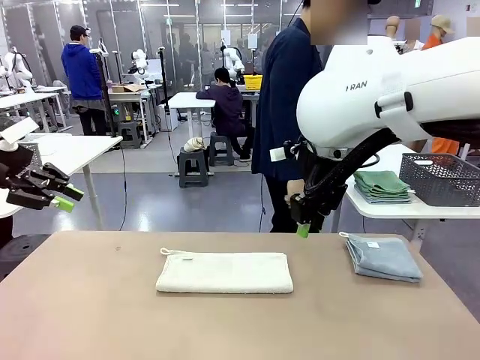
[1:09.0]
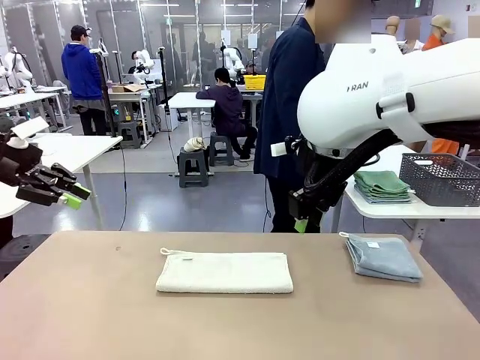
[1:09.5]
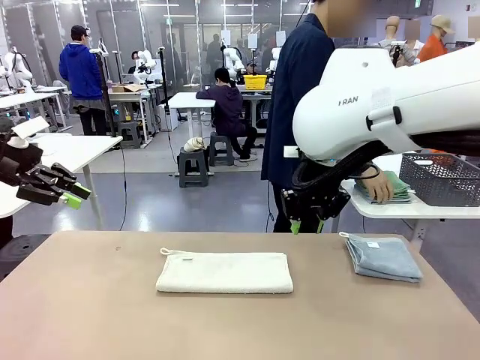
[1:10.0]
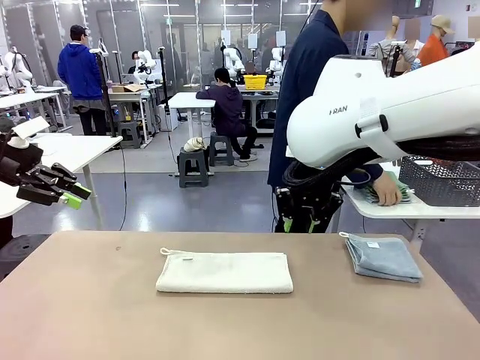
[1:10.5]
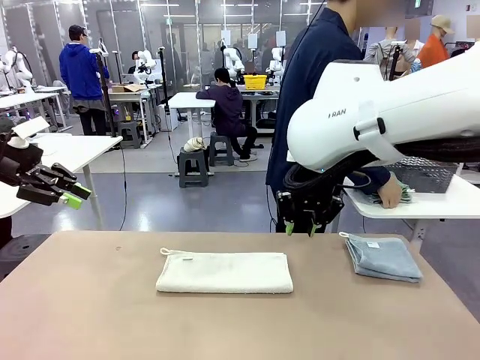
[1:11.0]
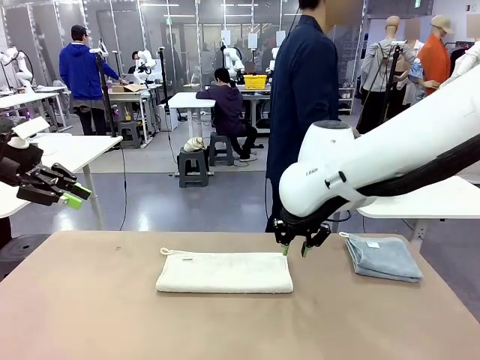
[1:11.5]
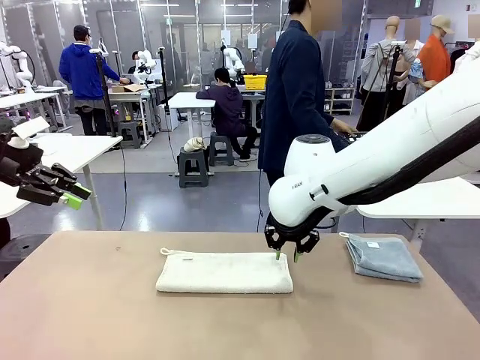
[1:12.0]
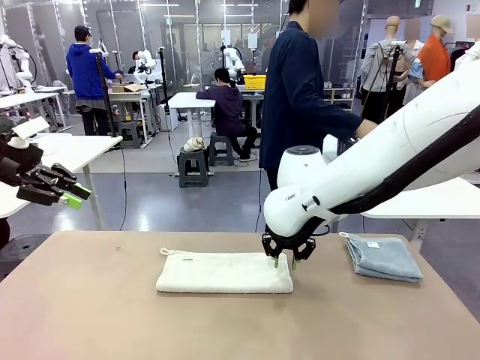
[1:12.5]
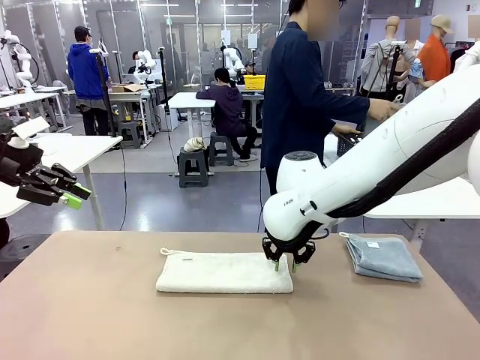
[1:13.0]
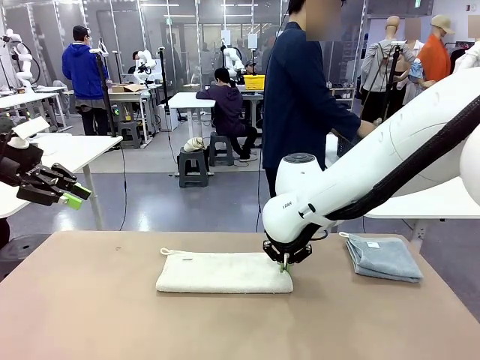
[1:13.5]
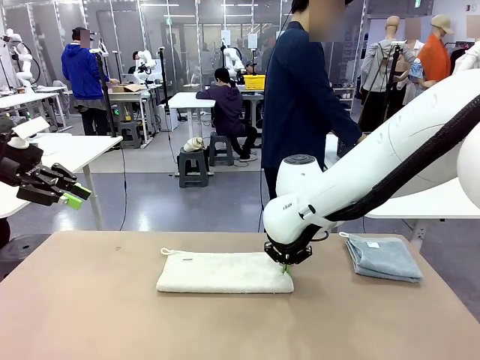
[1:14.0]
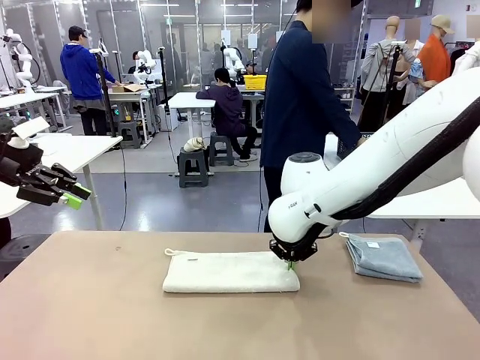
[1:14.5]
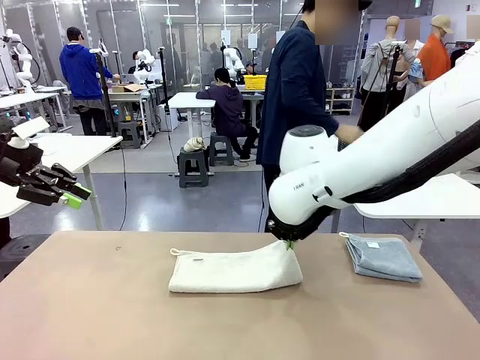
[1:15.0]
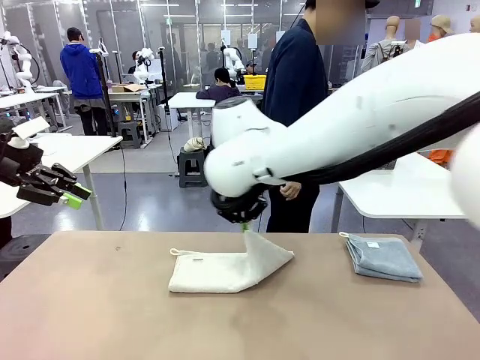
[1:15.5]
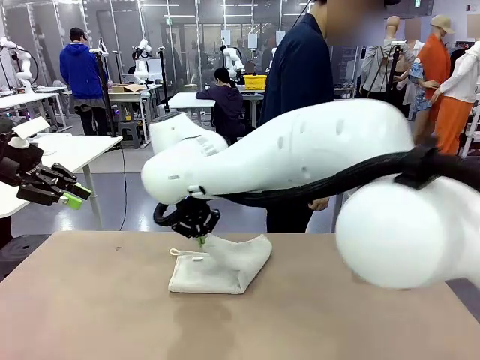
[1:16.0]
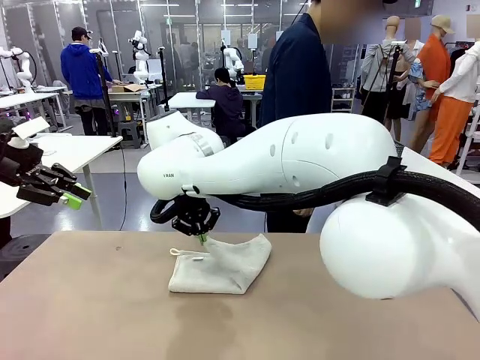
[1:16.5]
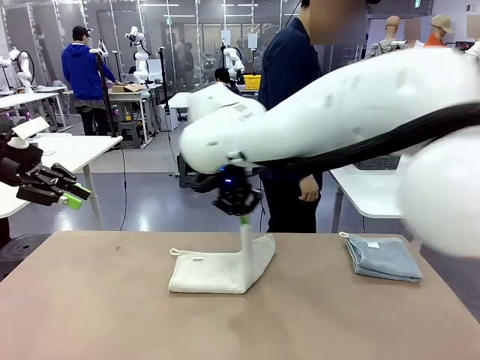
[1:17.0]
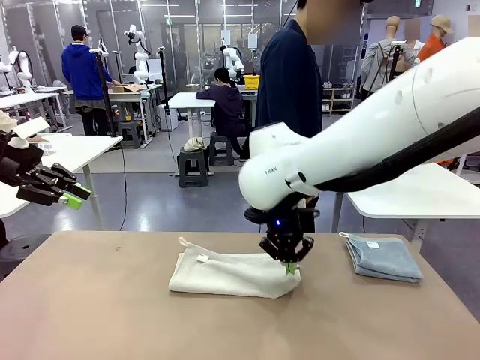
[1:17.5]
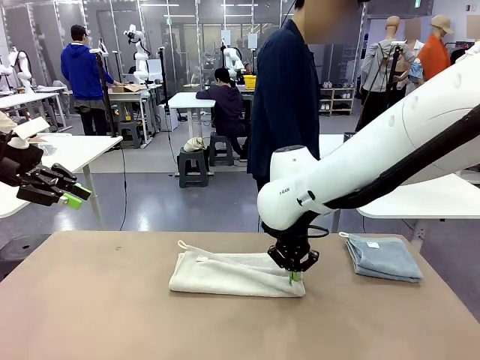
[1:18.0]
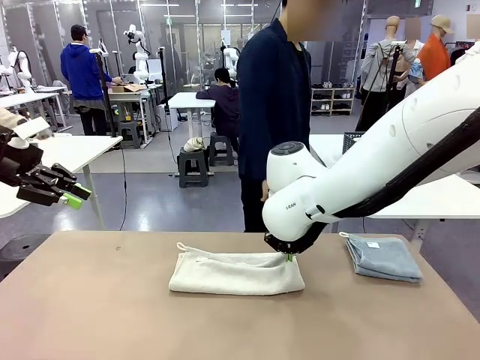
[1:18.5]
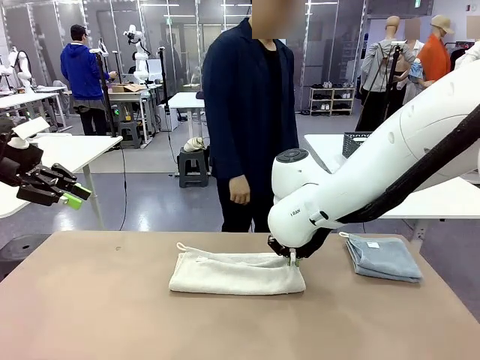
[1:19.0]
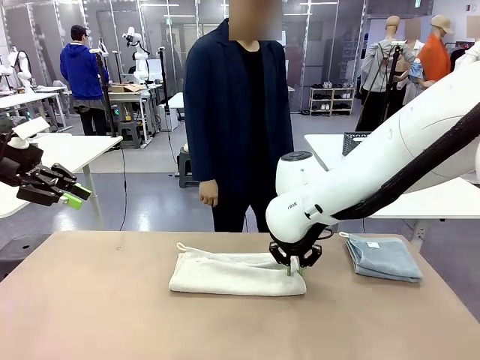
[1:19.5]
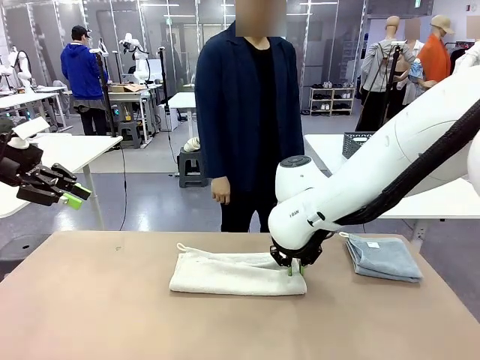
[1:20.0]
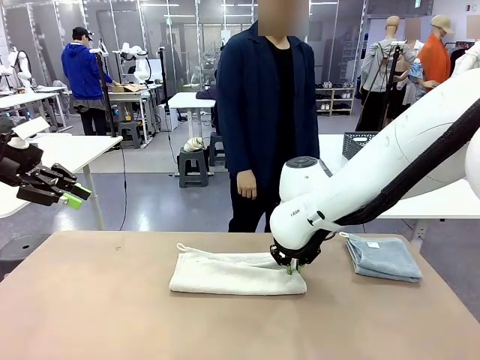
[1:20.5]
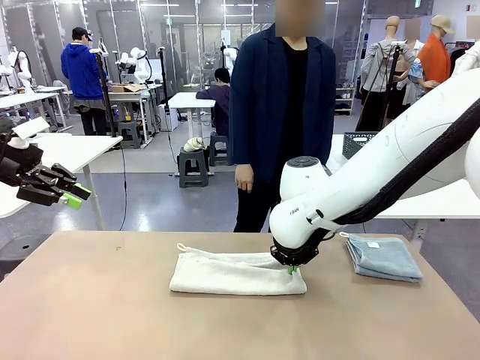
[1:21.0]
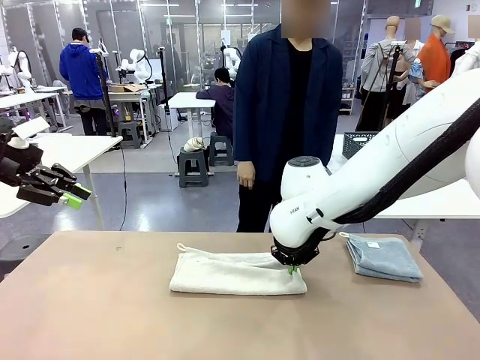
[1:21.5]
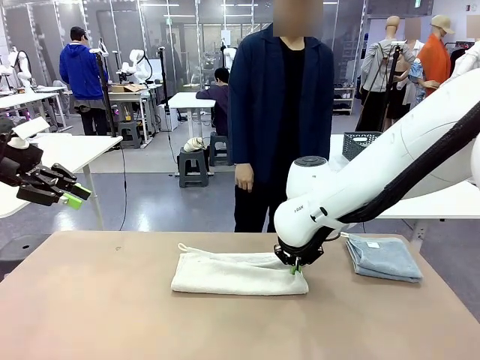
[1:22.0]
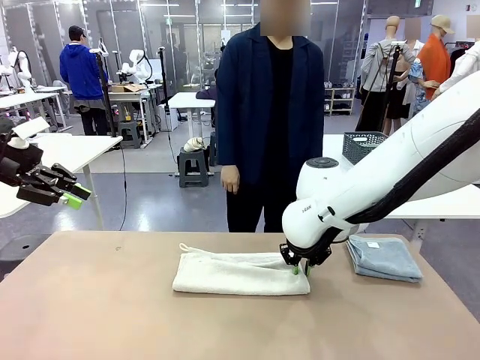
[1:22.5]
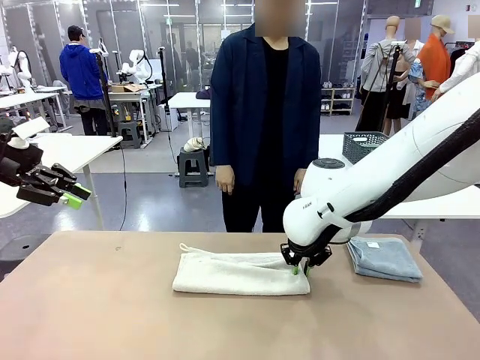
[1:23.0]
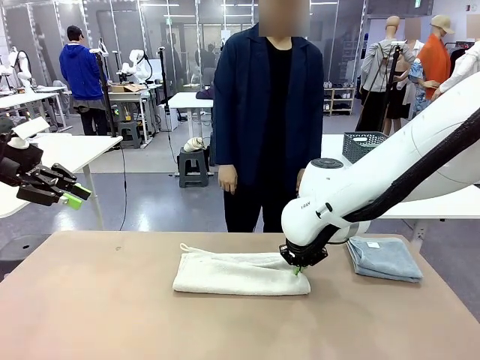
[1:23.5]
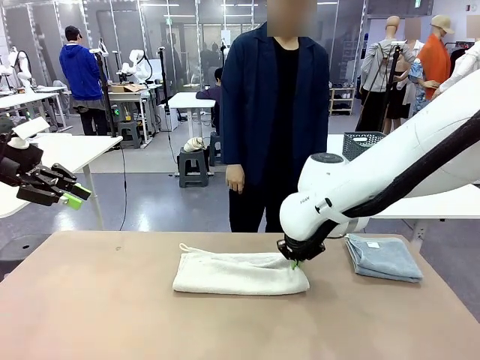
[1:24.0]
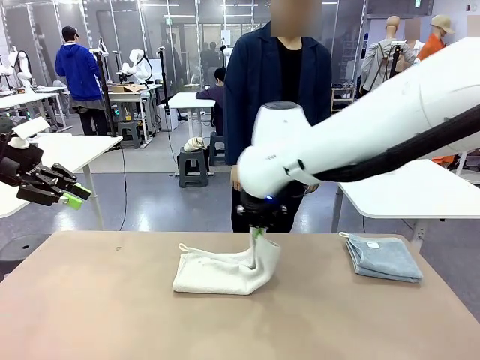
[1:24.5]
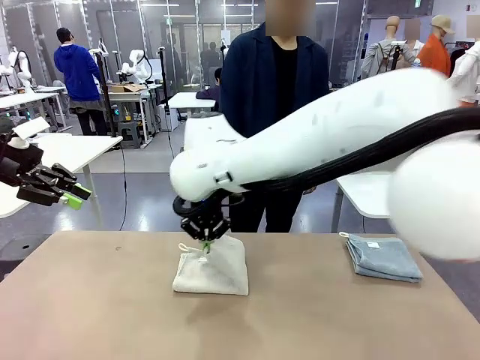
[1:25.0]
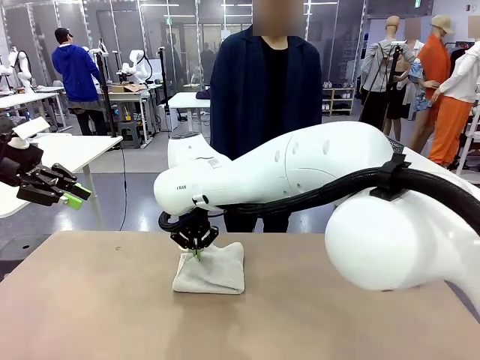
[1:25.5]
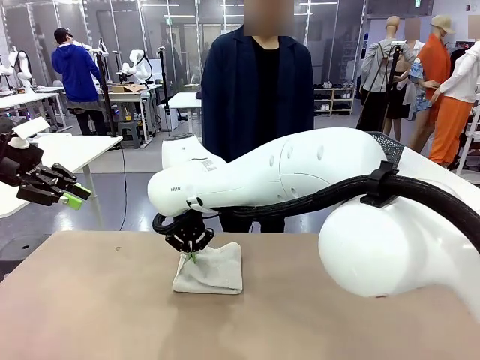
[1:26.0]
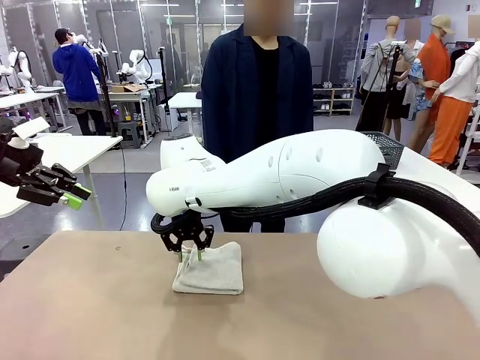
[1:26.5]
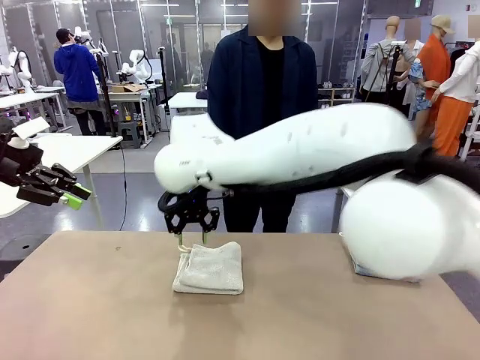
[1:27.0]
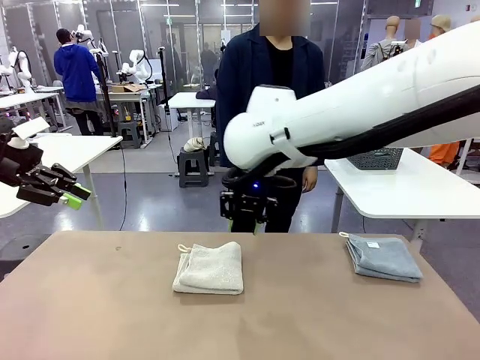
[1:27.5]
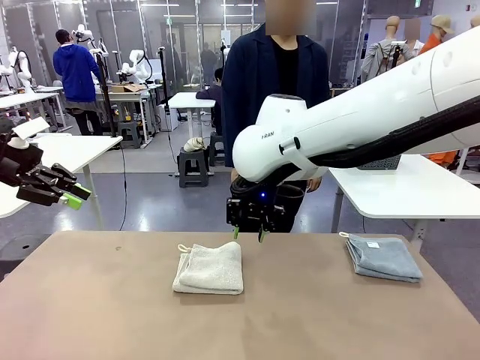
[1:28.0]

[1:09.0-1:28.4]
Task: Fold the towels and place them in the basket.
Robot: When a person lays out a Towel with hook on the table, fold it in half twice.
Person: Pick up the stack of towels from the right side of the human table, place it into the basket, and put the basket at the center of the table.

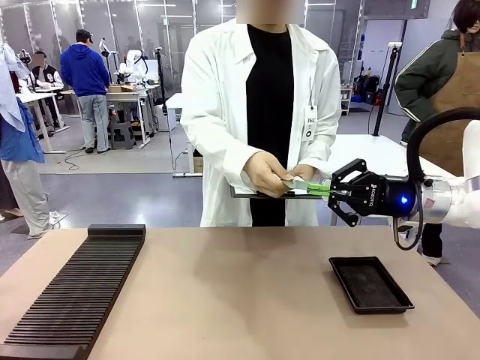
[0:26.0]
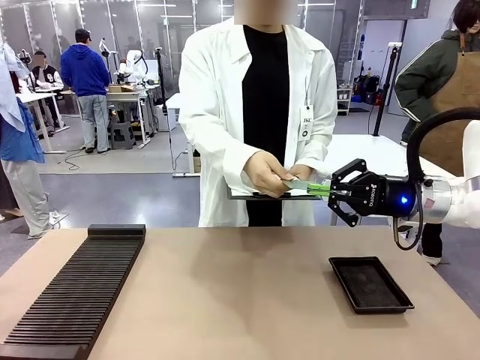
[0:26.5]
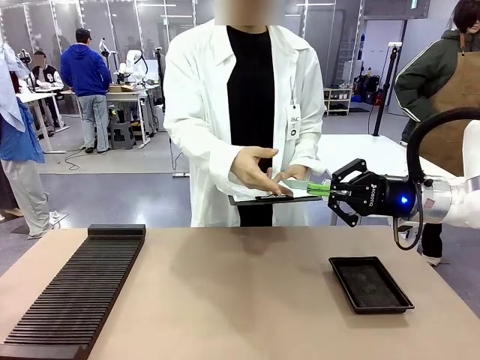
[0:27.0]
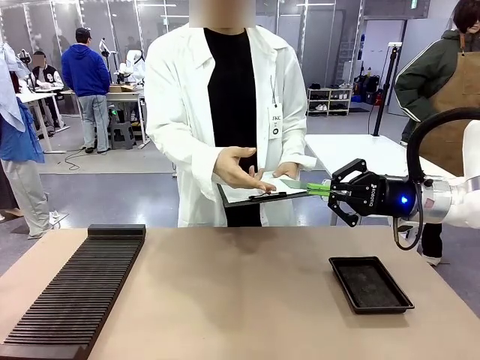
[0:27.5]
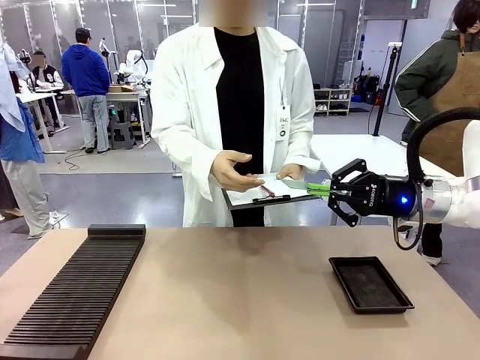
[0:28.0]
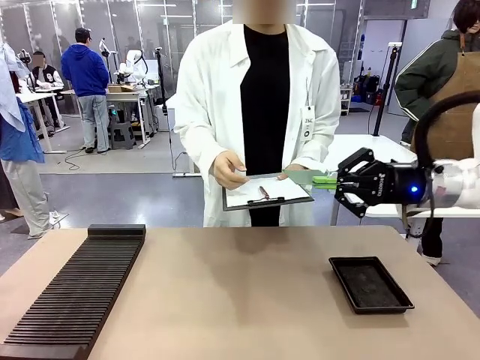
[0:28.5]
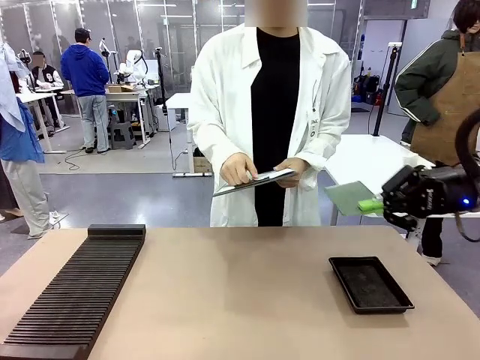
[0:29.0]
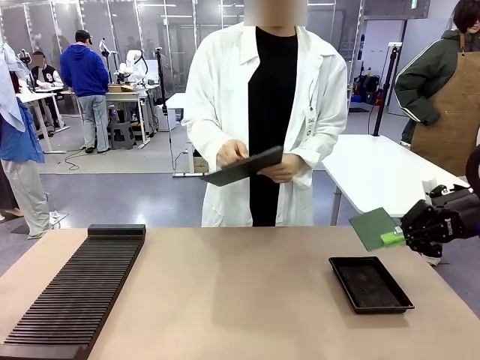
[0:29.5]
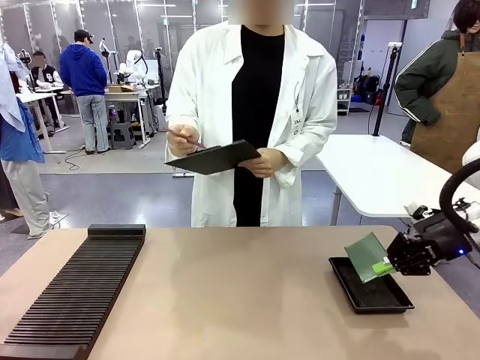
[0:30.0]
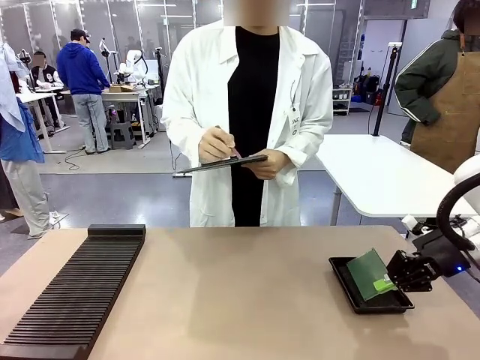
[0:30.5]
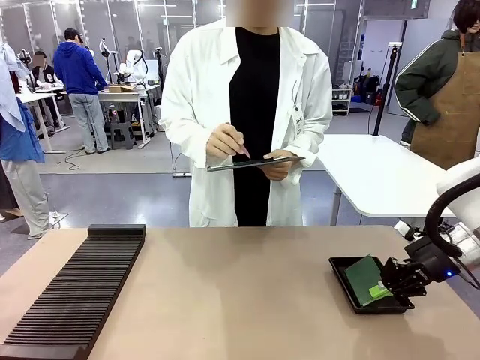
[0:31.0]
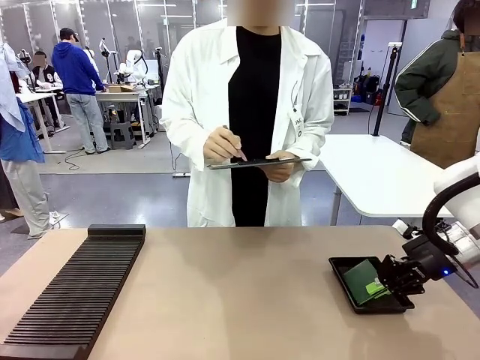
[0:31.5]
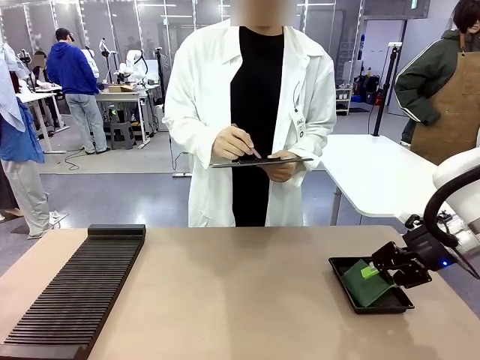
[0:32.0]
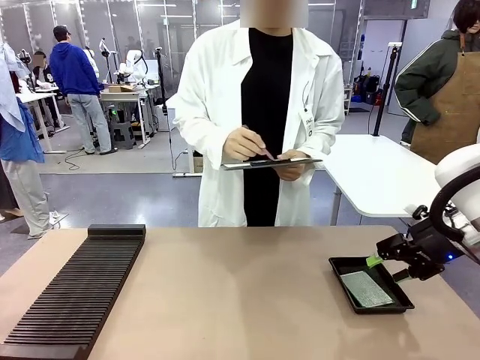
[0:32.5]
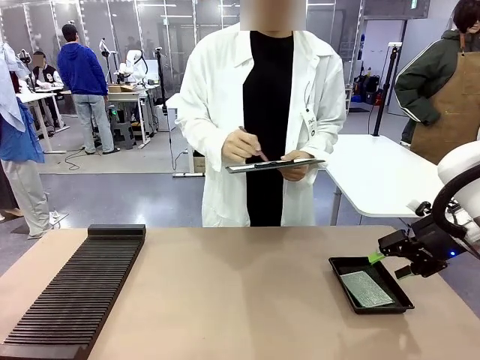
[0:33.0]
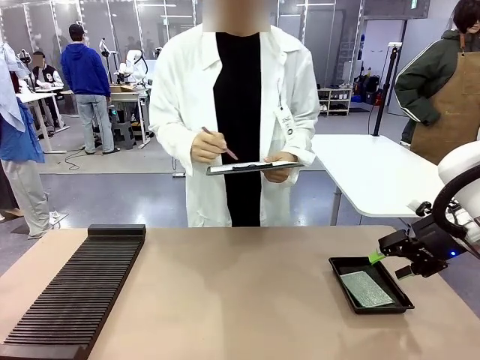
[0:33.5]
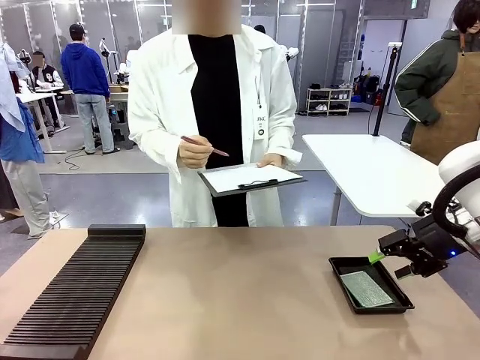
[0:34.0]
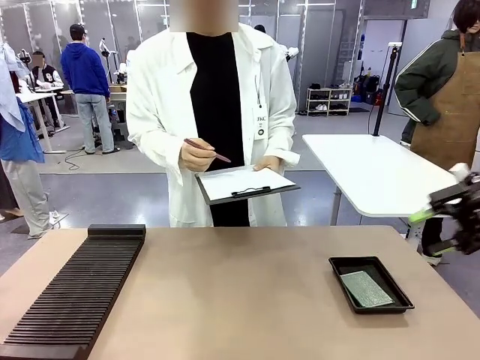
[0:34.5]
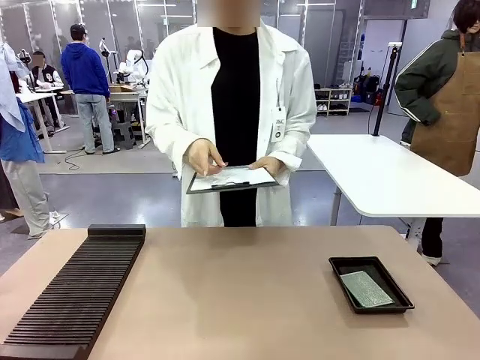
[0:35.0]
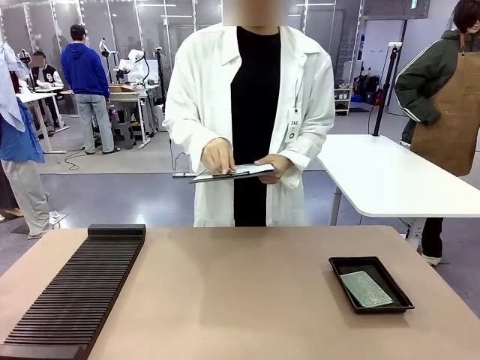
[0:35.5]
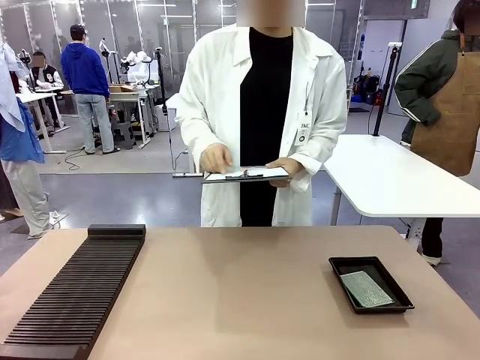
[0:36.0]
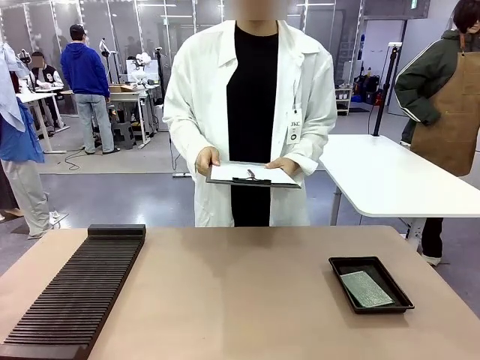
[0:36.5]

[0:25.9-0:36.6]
Task: Inspect the PCB.
Robot: Place the Blank PCB in the ESD tray.
Person: Record the PCB status on the paper.
